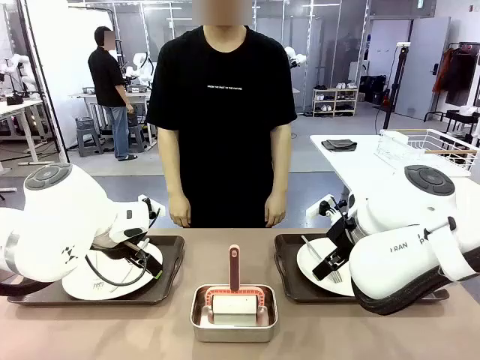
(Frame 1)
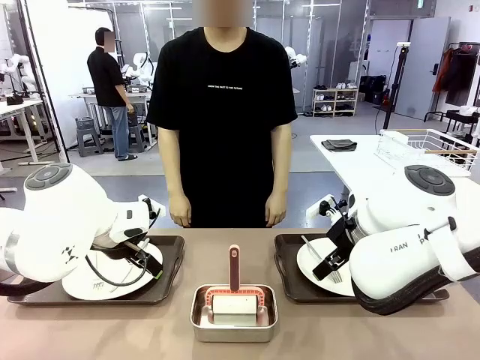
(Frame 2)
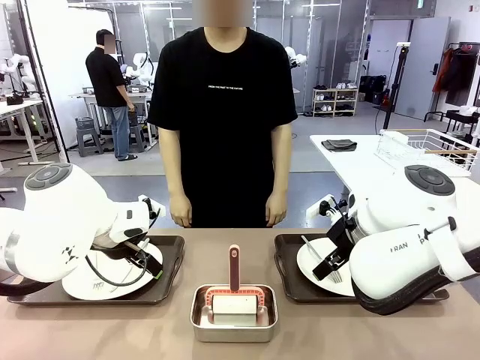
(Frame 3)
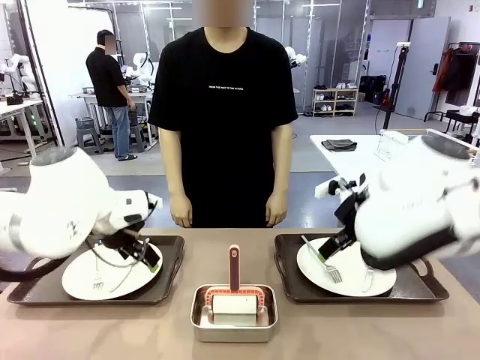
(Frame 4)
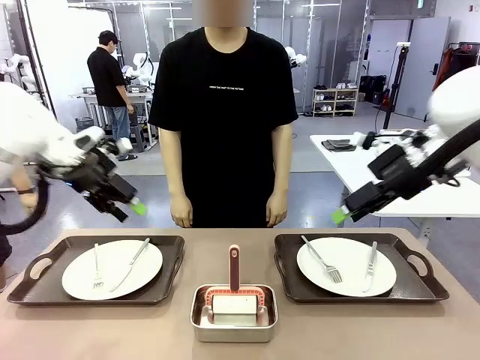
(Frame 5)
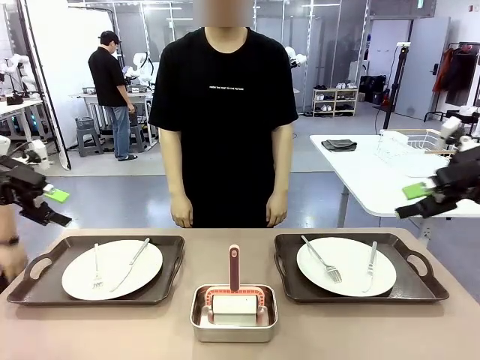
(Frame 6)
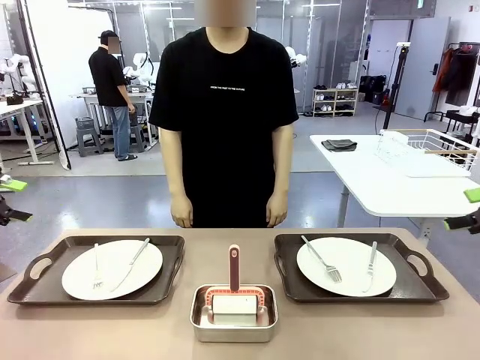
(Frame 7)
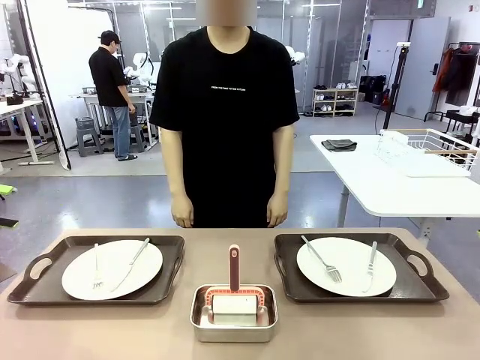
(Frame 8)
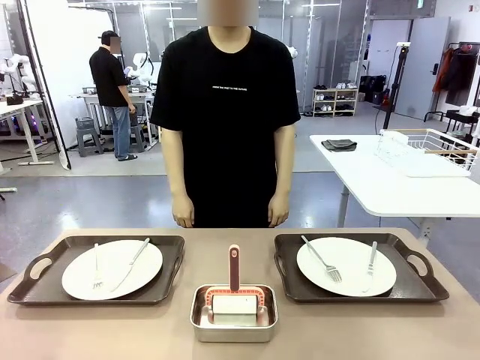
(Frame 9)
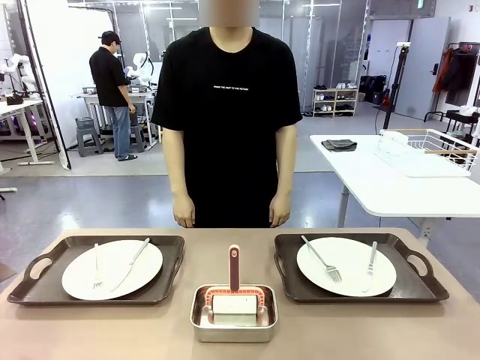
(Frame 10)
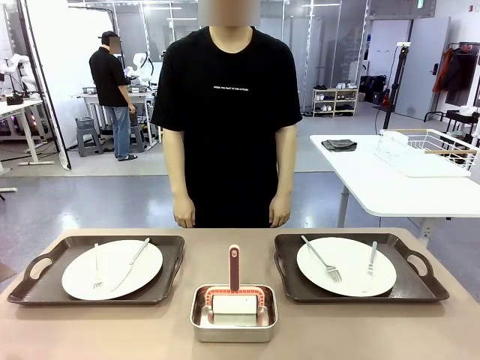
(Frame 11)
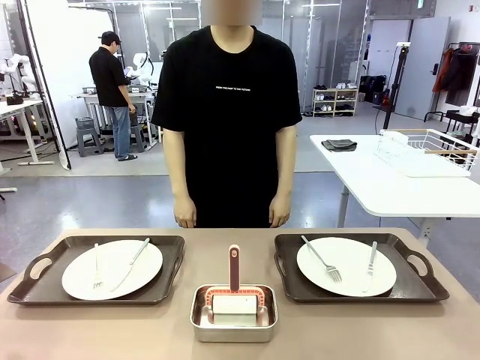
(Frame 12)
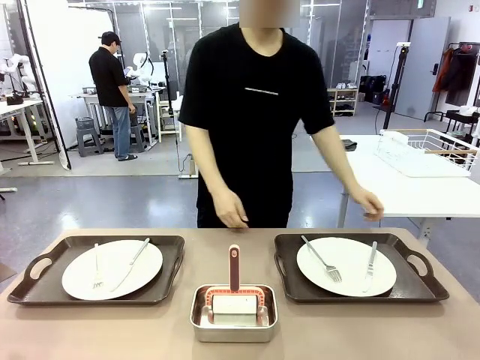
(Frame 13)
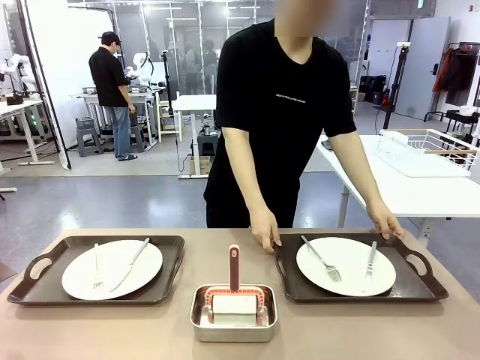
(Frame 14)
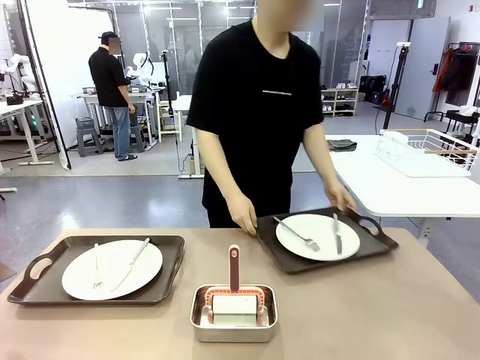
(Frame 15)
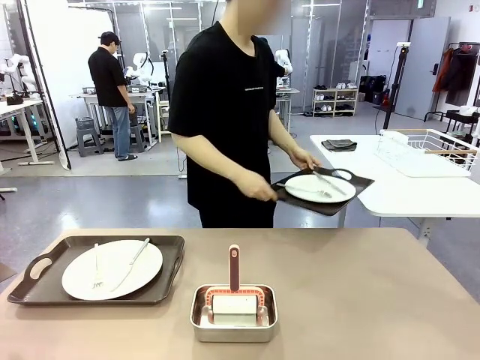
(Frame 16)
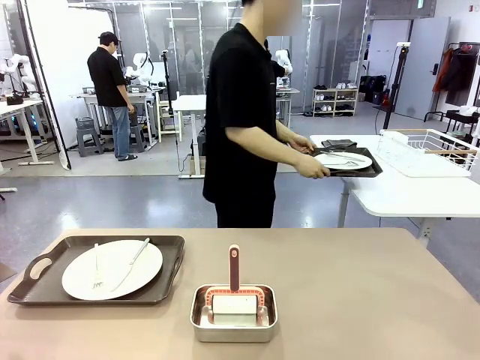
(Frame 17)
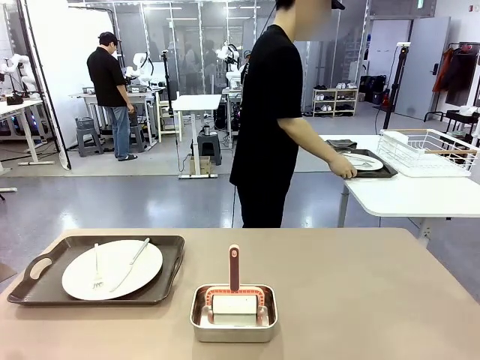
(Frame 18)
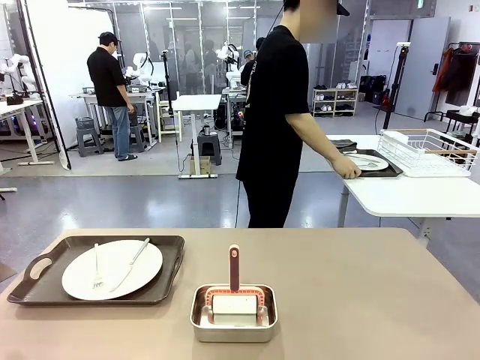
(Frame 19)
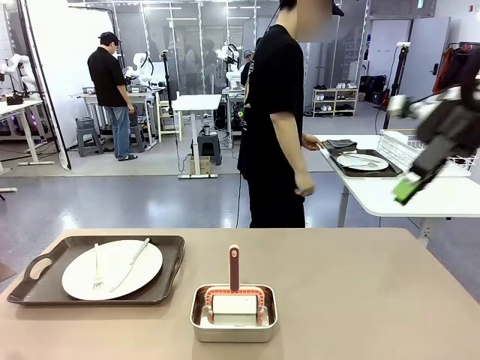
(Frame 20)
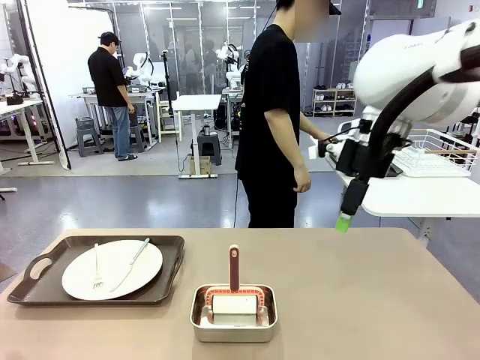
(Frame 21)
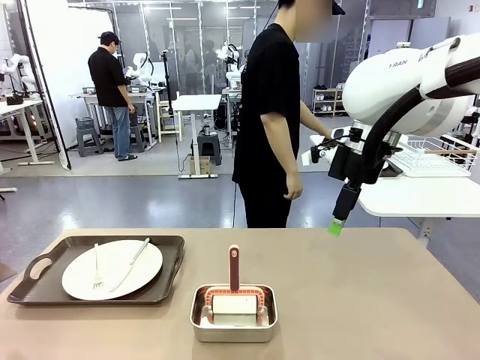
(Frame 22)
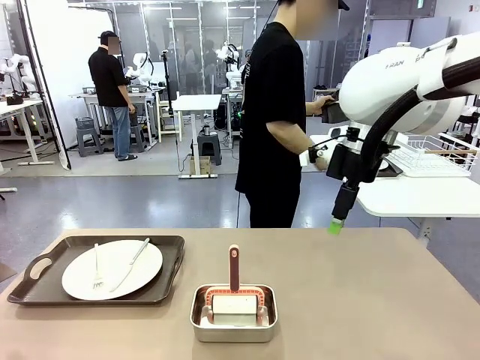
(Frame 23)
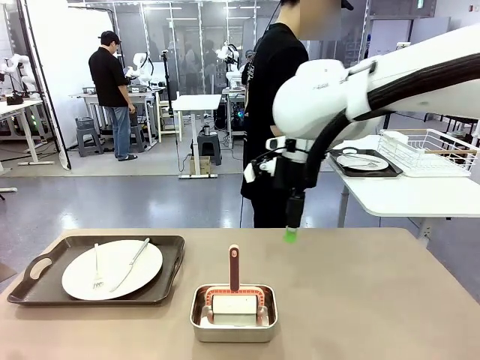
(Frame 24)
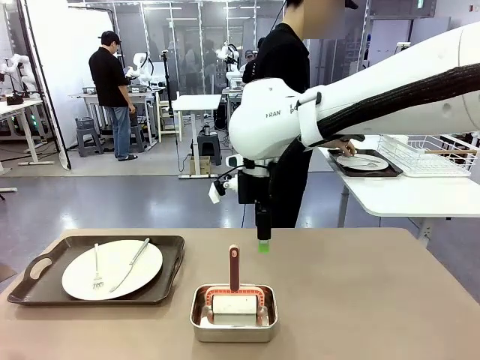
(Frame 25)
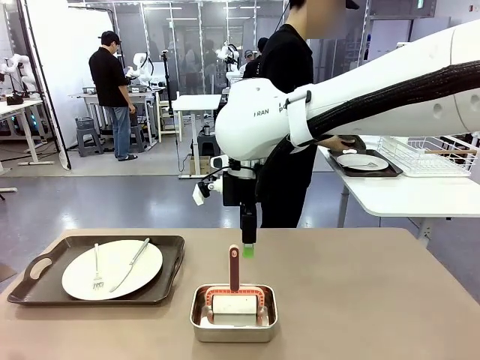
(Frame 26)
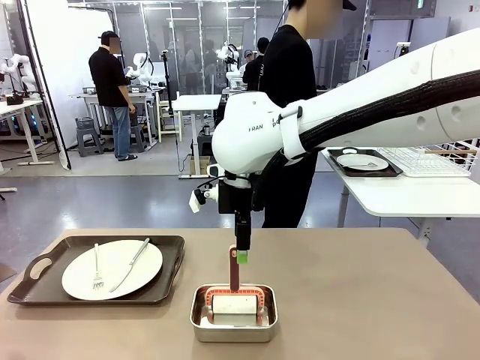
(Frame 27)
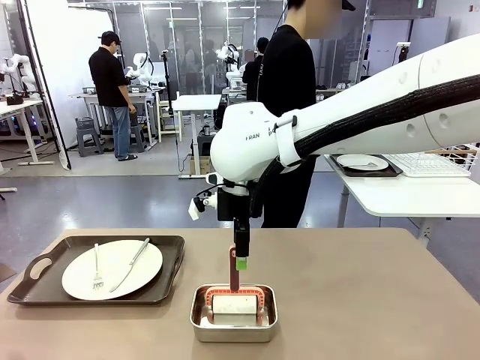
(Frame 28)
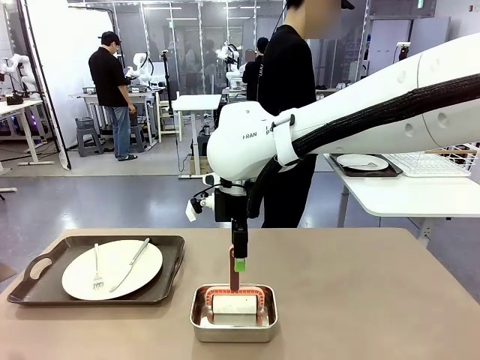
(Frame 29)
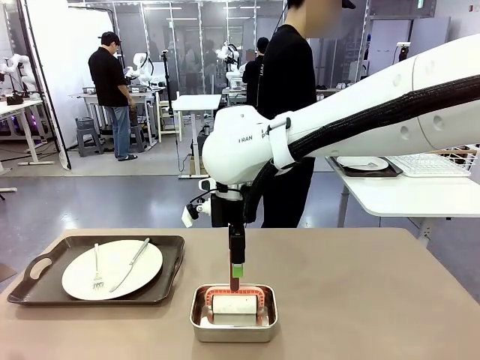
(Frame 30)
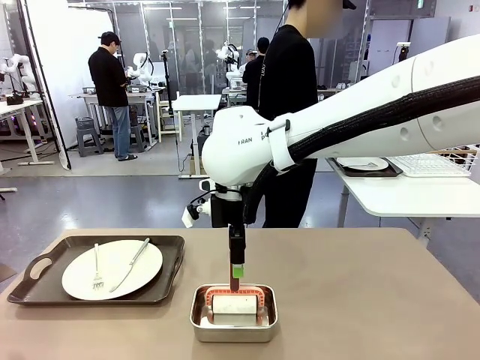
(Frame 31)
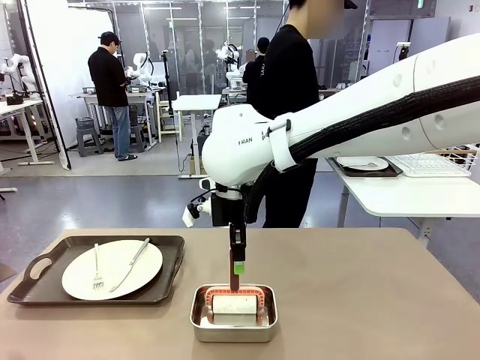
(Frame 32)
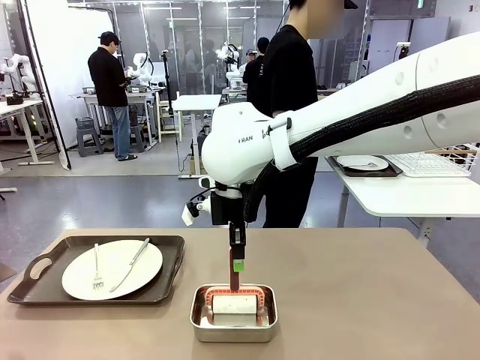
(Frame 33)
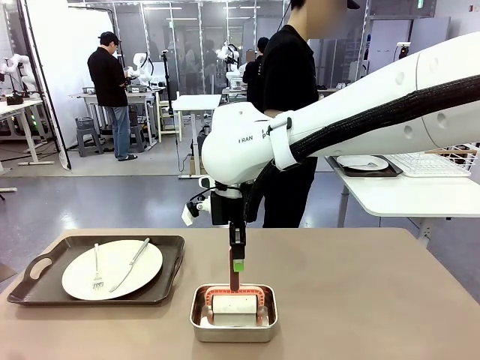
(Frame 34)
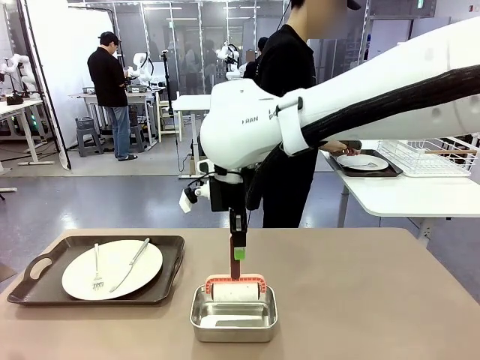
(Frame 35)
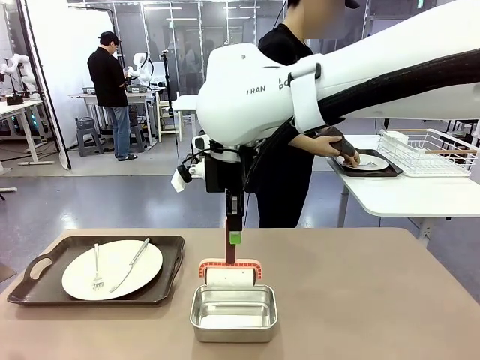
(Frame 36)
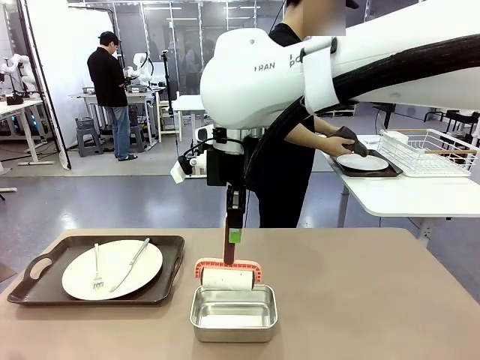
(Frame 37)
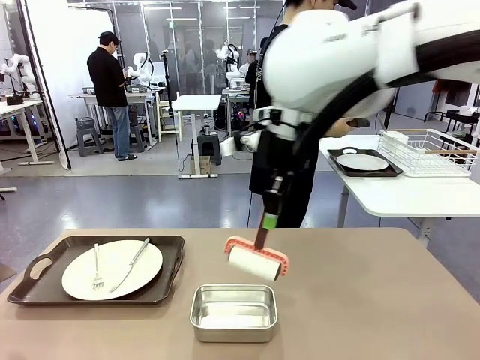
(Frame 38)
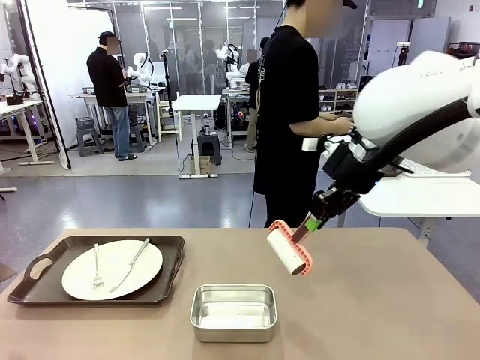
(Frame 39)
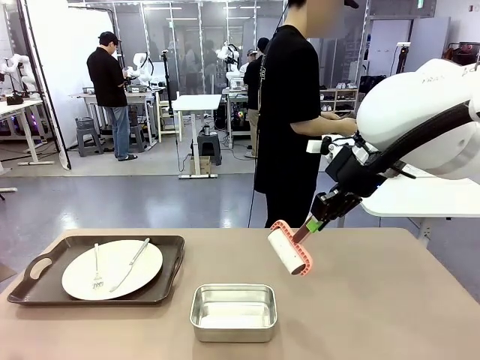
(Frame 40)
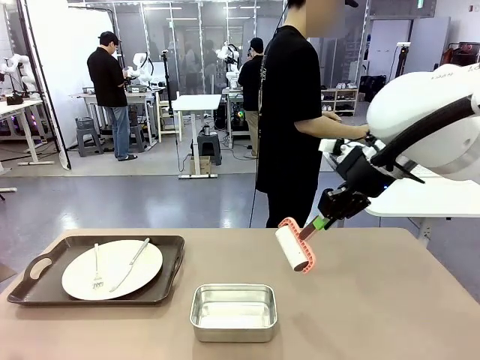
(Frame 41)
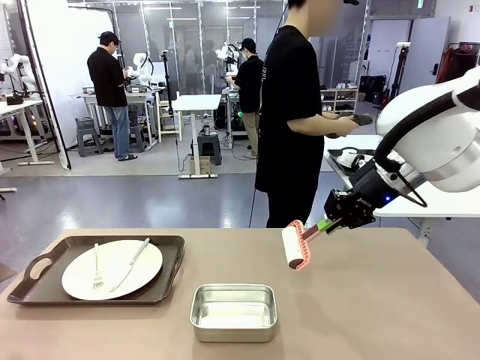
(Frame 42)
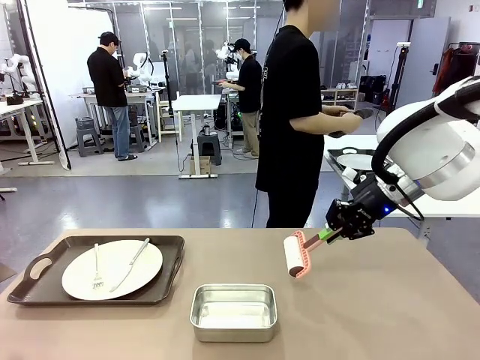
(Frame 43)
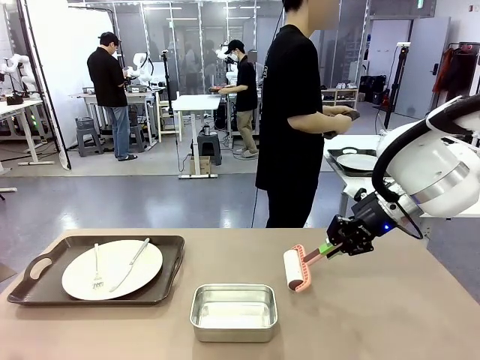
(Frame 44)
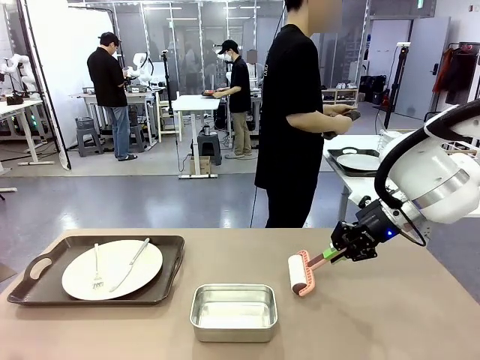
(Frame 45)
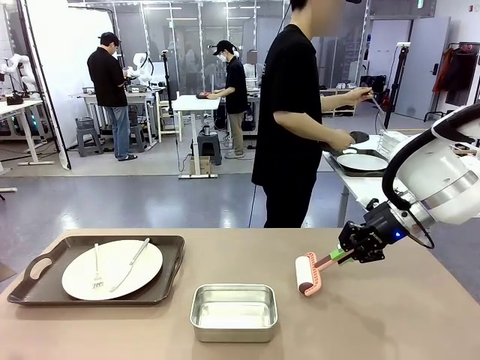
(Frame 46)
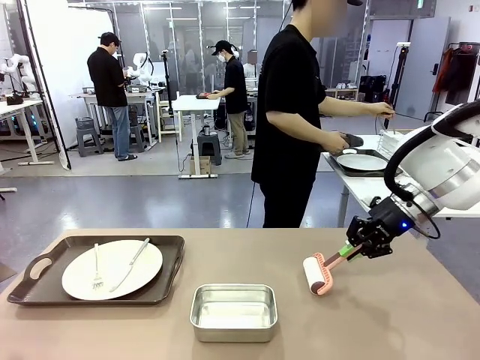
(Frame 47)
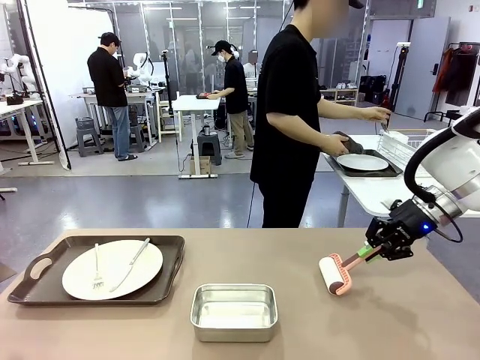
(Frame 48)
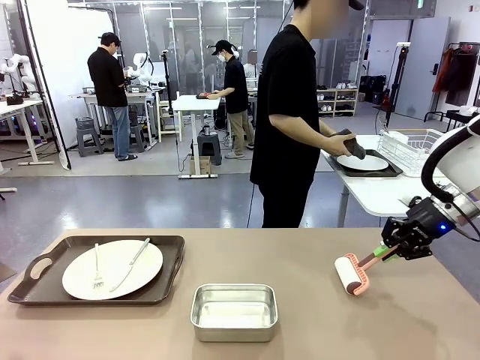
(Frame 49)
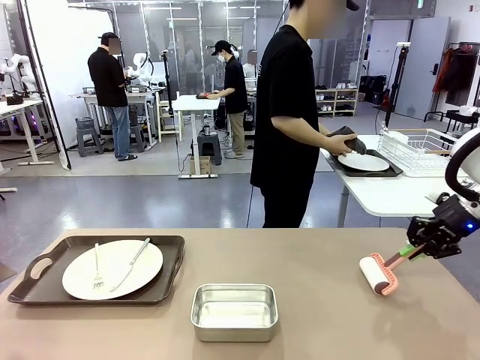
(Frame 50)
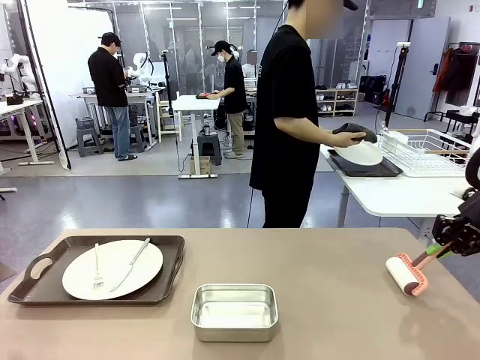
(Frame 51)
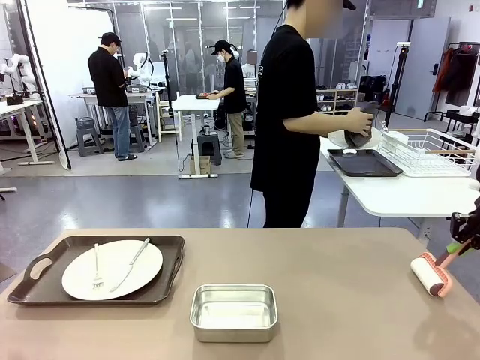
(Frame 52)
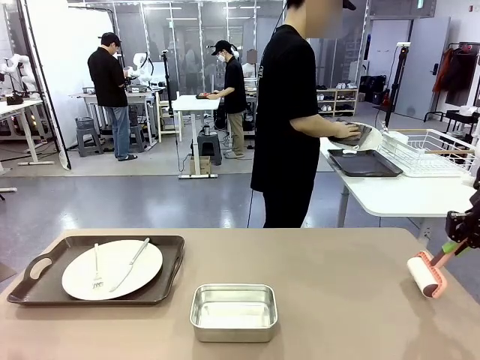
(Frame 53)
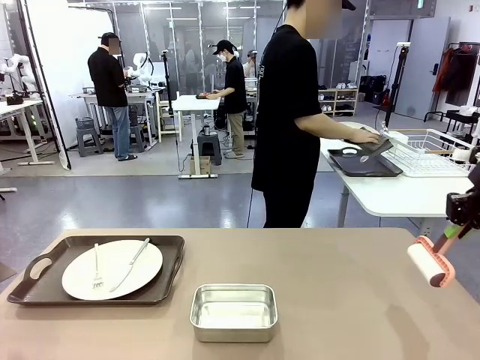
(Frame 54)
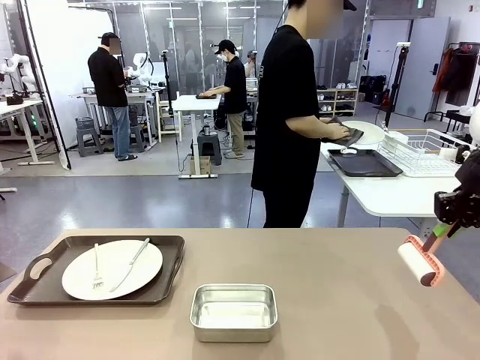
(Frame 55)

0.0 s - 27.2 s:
Robot: When the left (or right) Handle tray is removed, use the left hand (or right hand) to clean the left (or right) side of the table with the Lint Roller.
Person: Pick up the left (or right) Handle tray and place it on the middle of the Human's table. Use the Towel with hook to wipe the Plastic Matte Plate , Fork , and Knife and place into the Dish drying rack.
